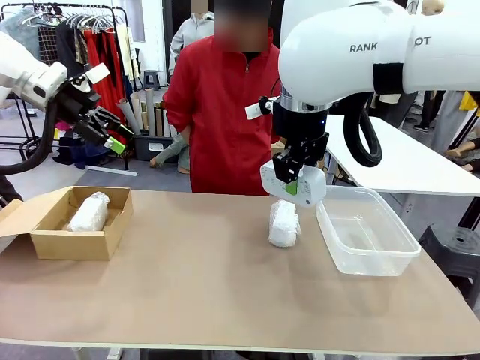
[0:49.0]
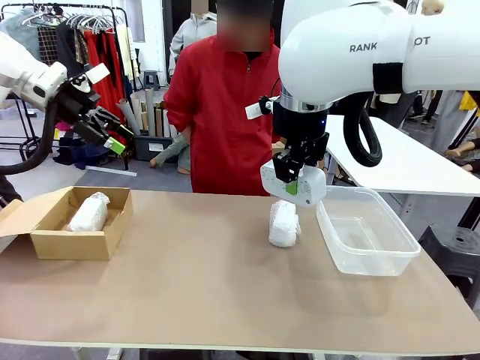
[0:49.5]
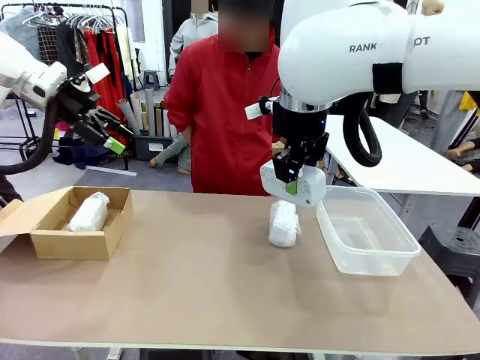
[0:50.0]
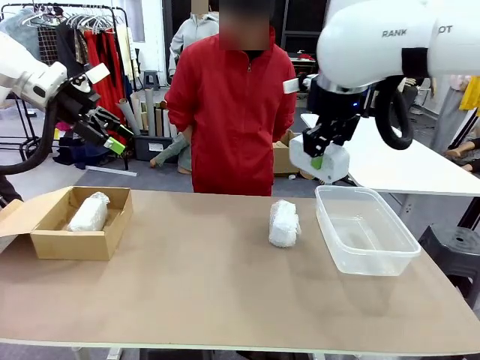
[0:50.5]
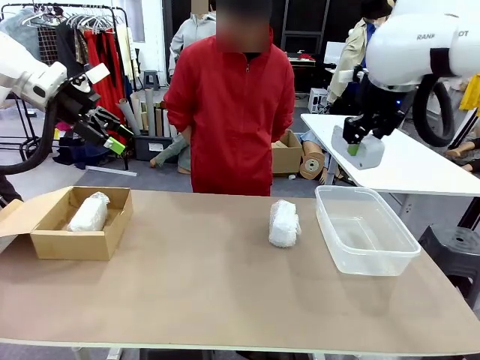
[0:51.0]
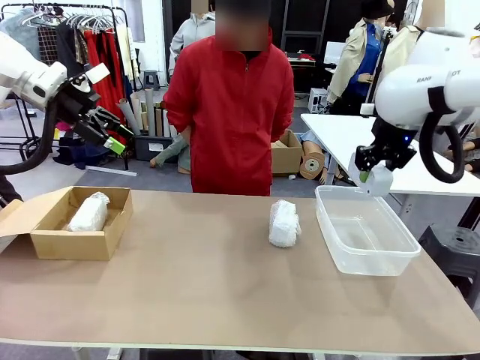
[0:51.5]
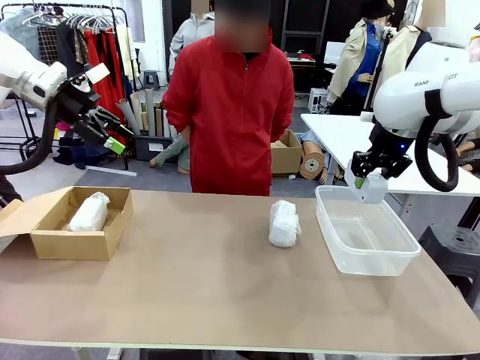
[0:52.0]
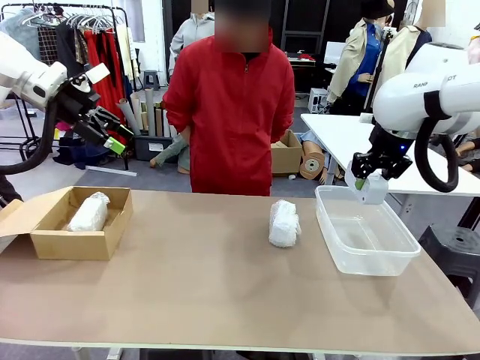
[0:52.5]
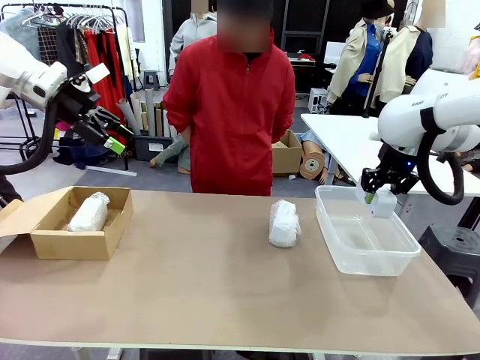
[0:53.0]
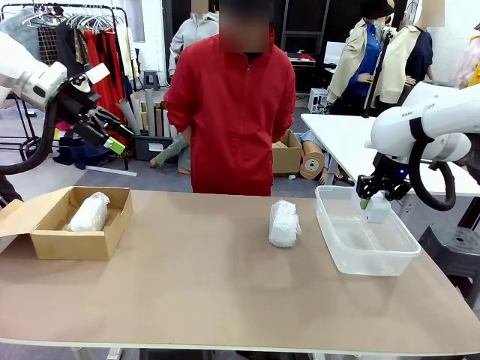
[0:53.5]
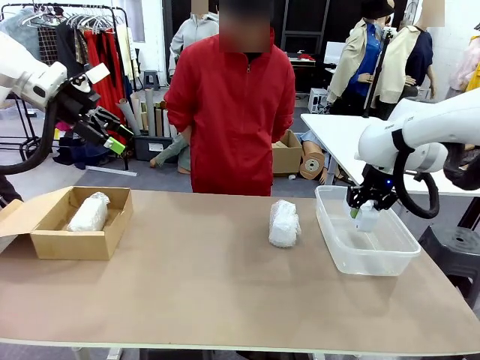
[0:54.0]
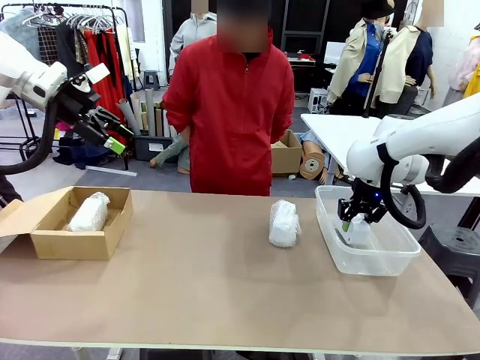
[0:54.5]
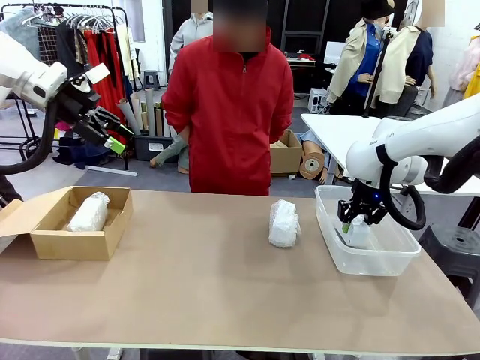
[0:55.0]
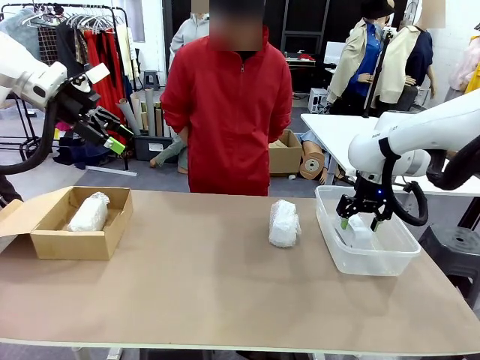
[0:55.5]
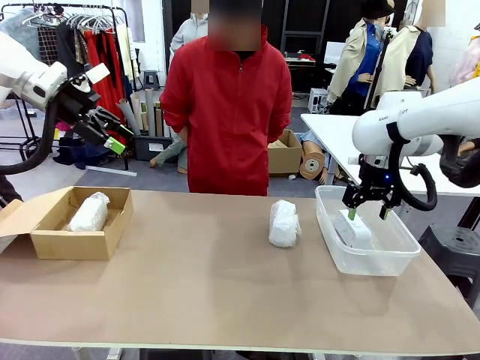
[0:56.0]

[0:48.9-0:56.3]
Task: Separate and place wrapped and unwrapped clocks.
Robot: If the picked Digital clock is wrapped, place it in the Package Box ; if not, place it in the Organizing box.

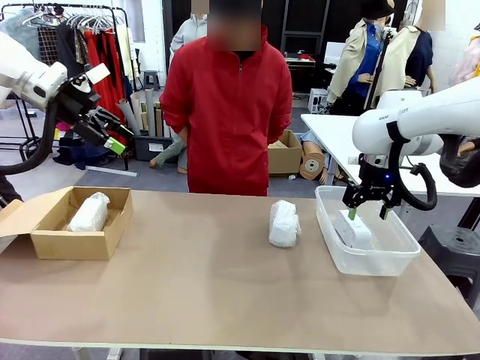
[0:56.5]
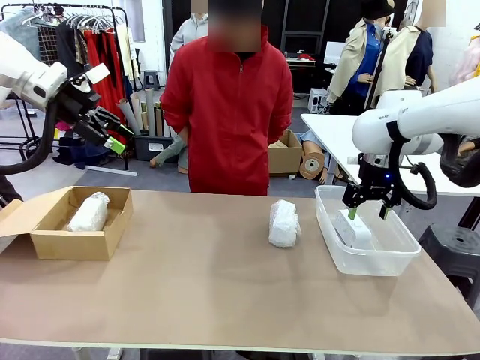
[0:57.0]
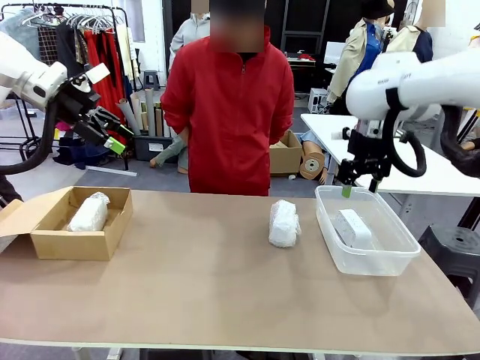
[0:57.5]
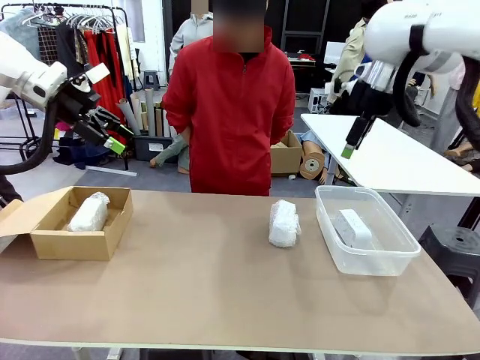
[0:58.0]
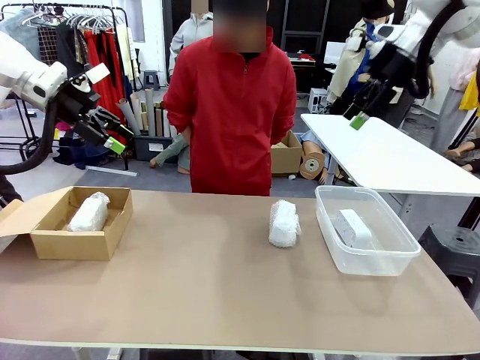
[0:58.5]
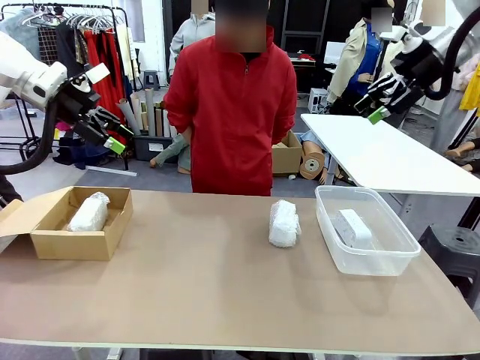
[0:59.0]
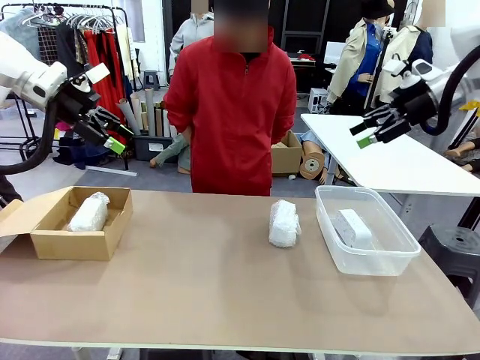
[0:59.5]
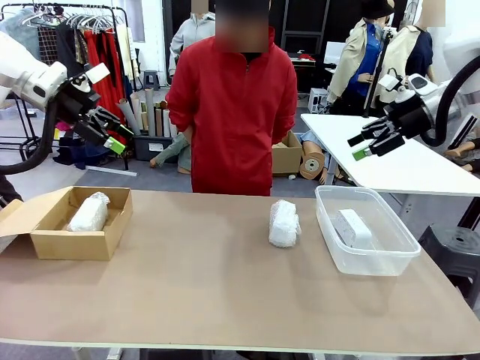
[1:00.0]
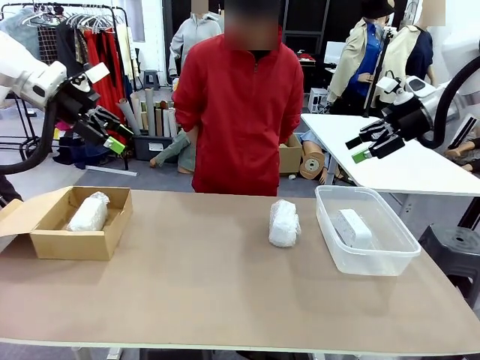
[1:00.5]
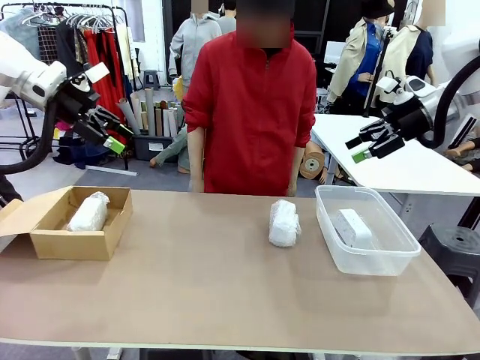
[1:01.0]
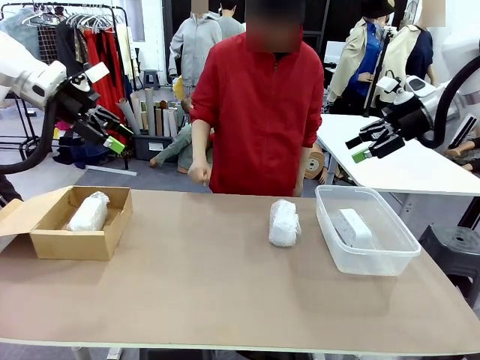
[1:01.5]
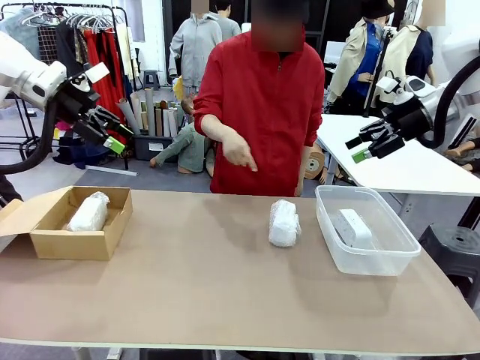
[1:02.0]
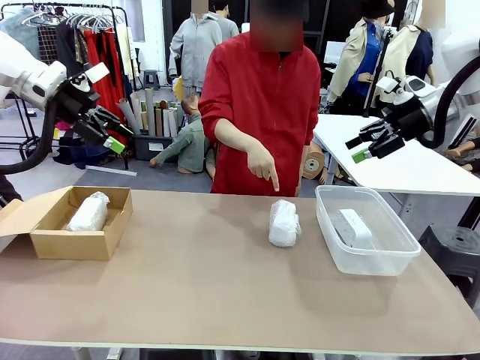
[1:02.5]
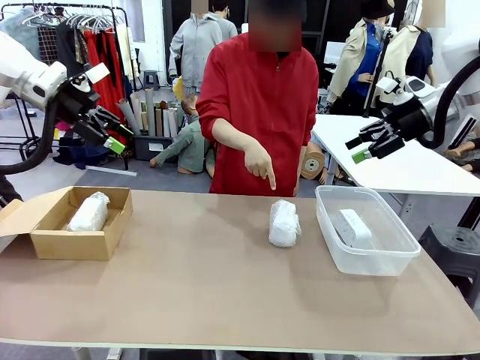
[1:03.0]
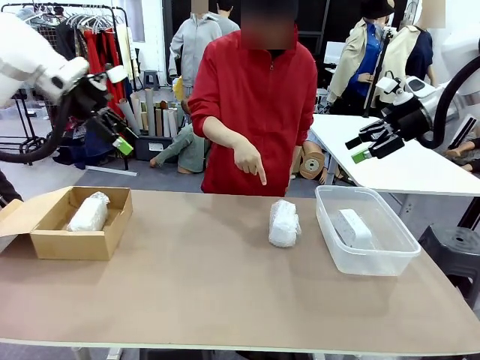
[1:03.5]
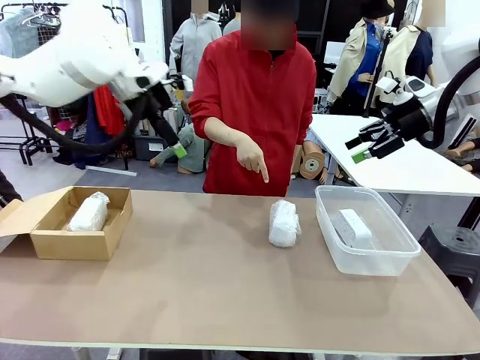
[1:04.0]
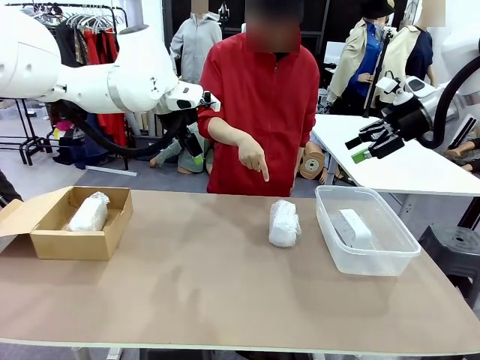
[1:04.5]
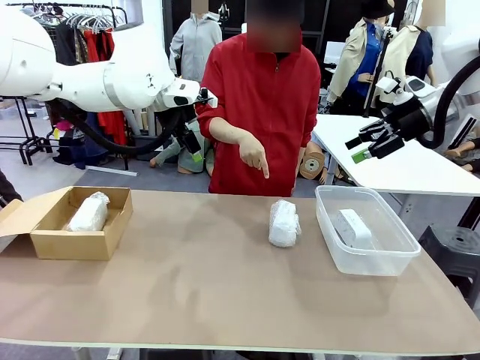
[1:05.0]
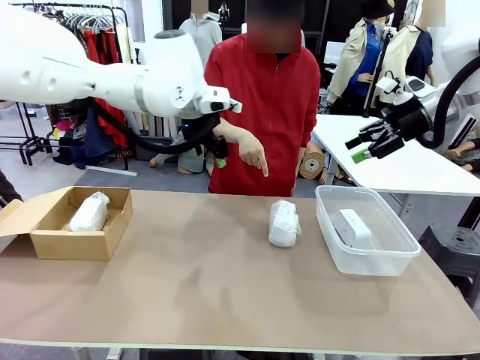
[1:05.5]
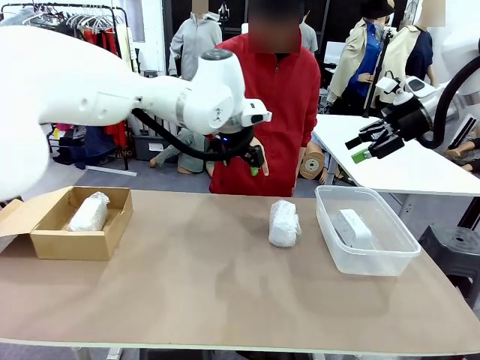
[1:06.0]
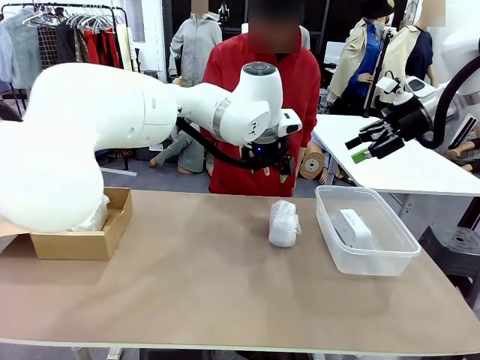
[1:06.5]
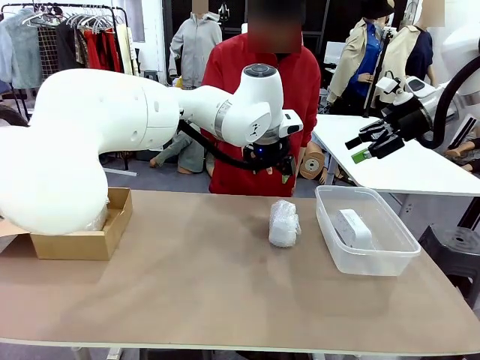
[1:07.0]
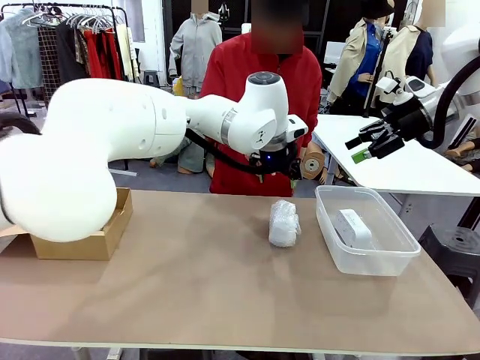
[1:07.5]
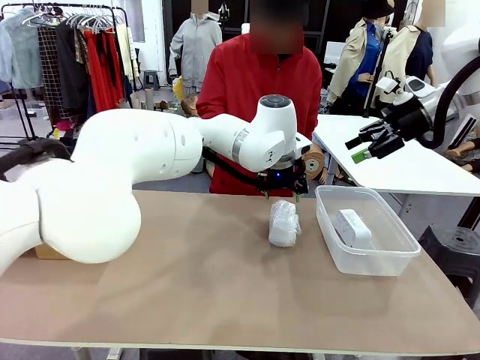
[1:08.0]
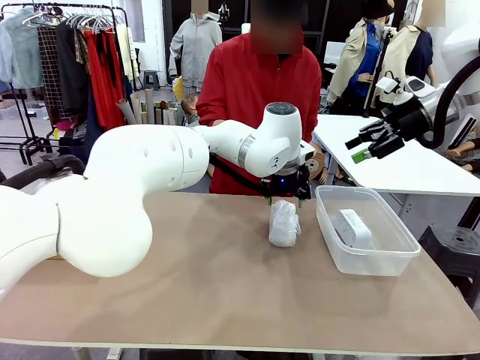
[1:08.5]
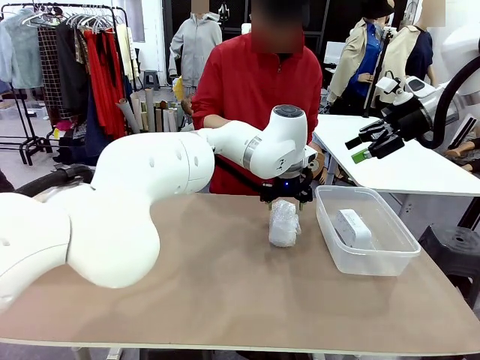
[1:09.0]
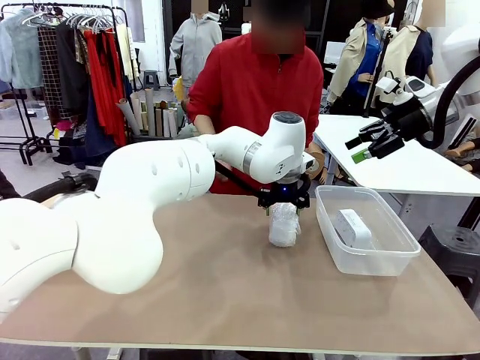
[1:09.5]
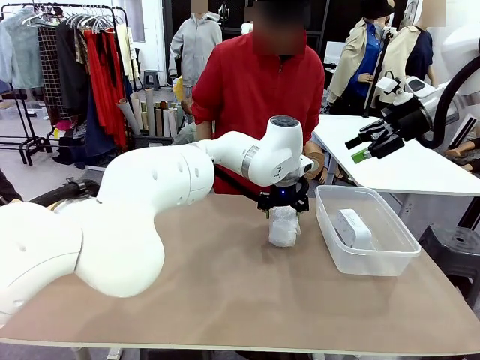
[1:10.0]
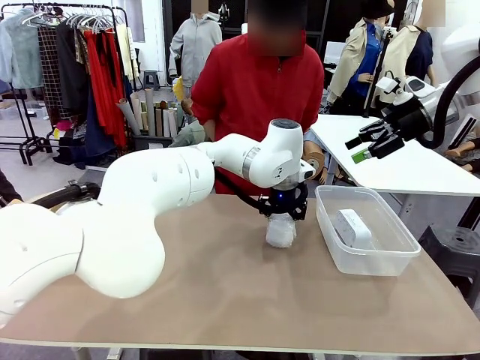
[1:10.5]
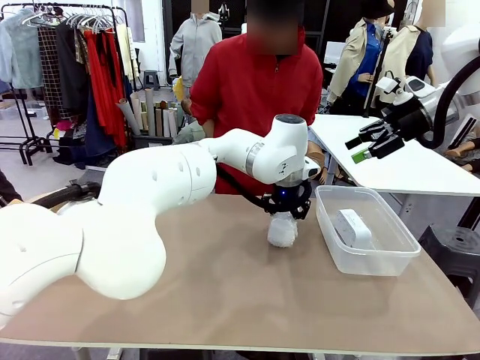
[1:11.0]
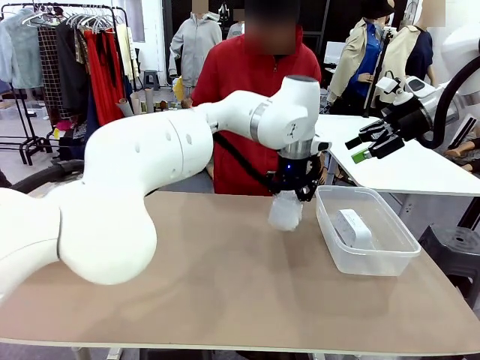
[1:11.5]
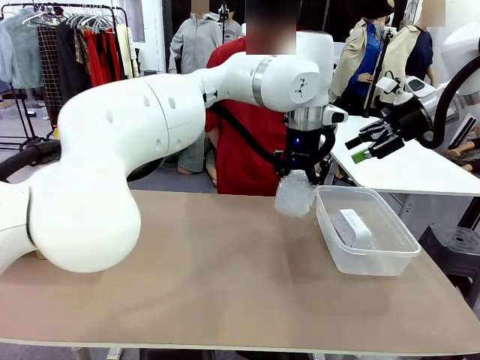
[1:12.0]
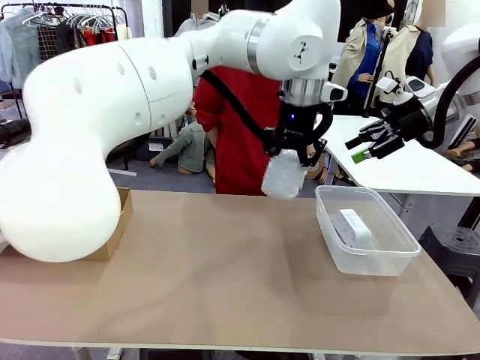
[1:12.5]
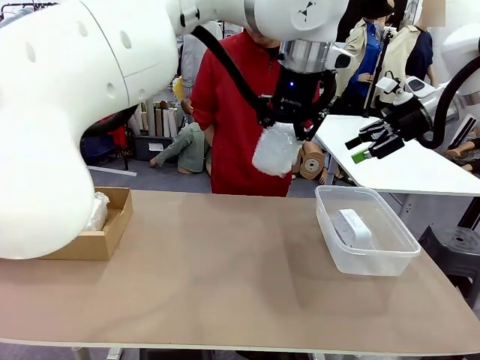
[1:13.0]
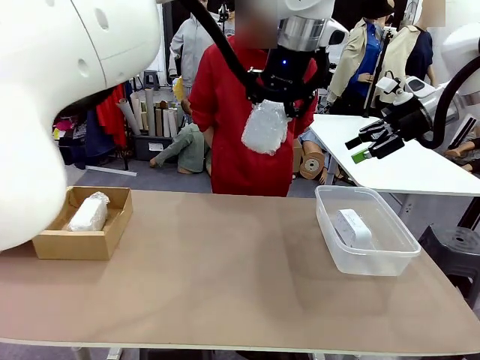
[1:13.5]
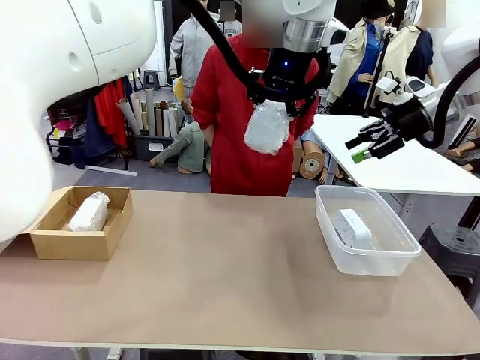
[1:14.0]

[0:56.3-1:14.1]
Robot: Pick up the Digital clock indicated by the person.
